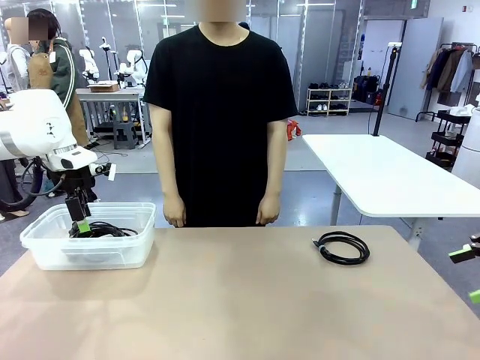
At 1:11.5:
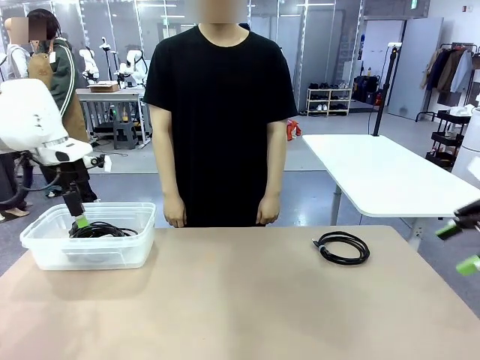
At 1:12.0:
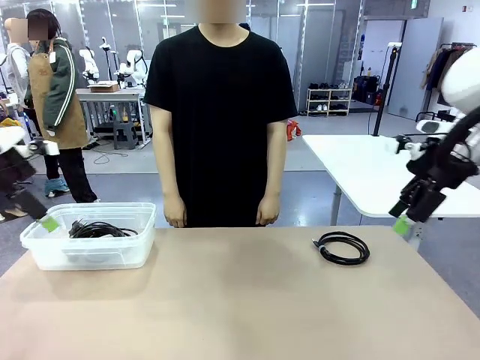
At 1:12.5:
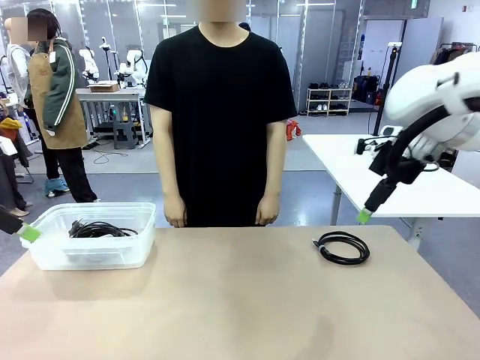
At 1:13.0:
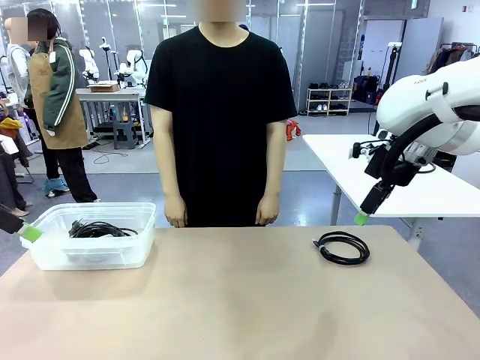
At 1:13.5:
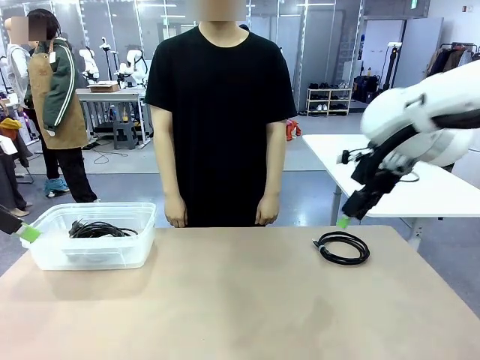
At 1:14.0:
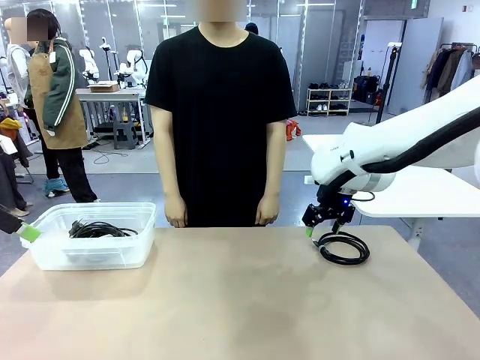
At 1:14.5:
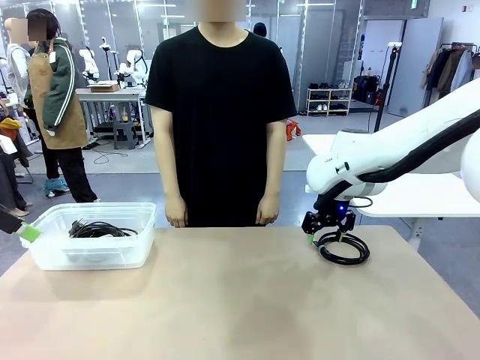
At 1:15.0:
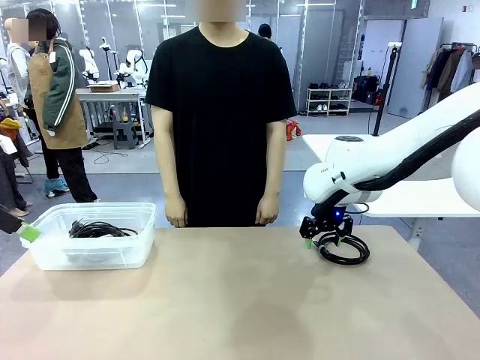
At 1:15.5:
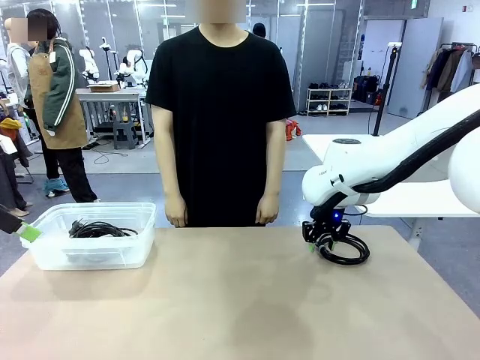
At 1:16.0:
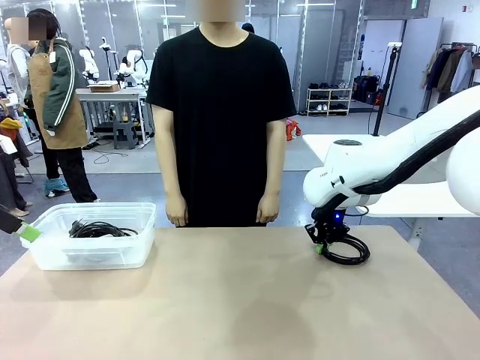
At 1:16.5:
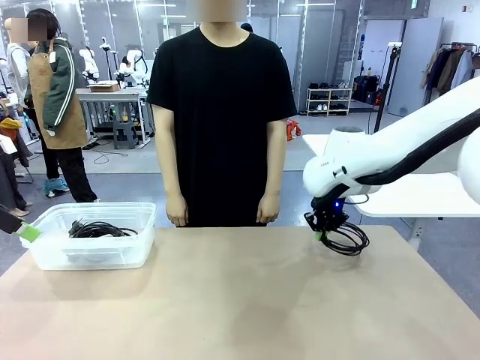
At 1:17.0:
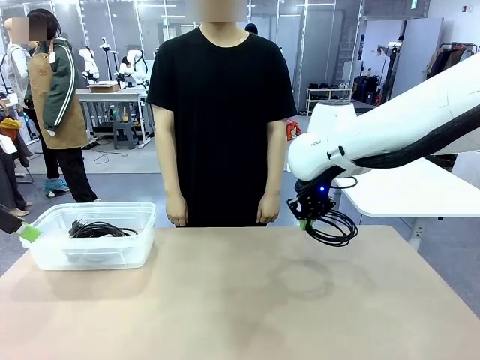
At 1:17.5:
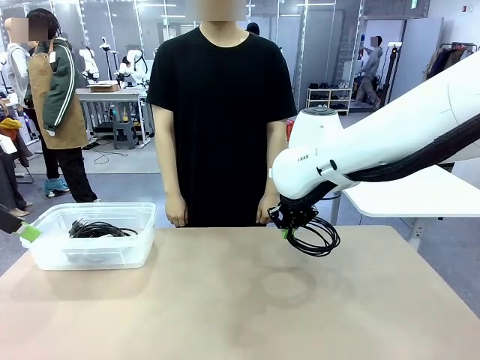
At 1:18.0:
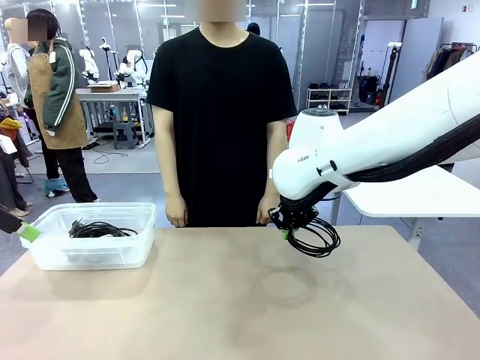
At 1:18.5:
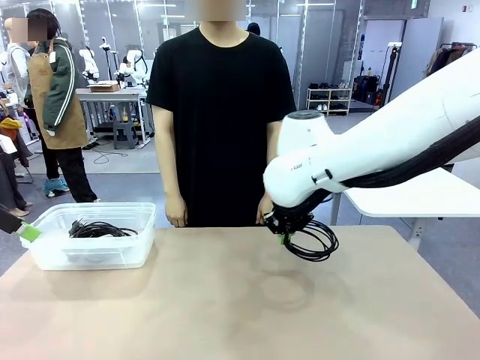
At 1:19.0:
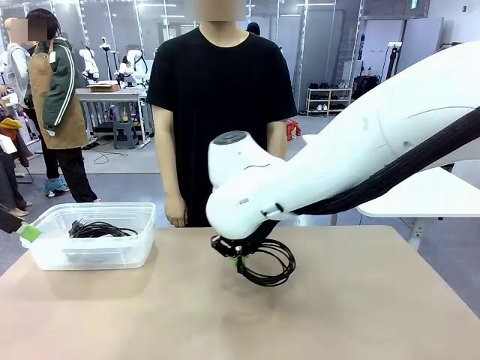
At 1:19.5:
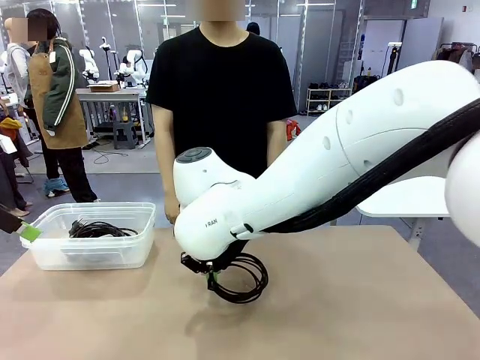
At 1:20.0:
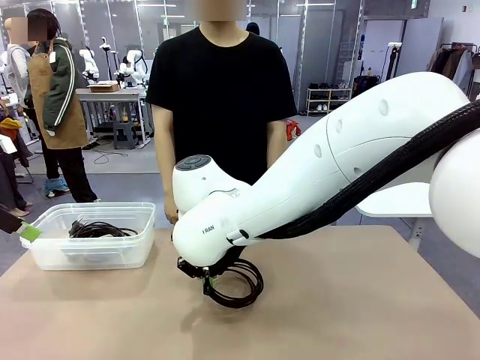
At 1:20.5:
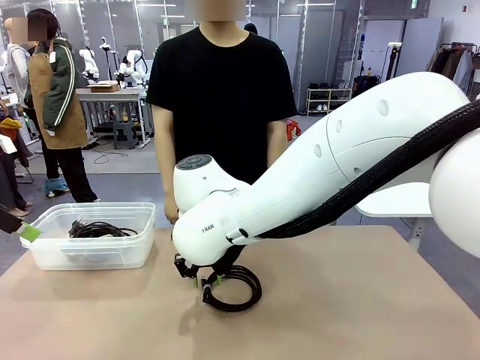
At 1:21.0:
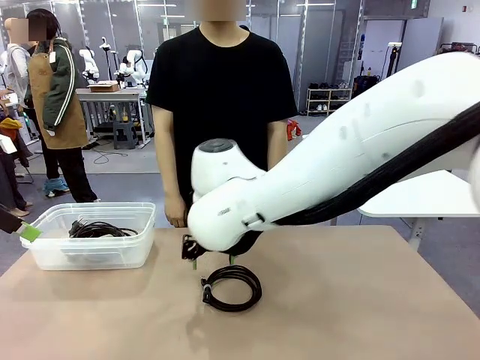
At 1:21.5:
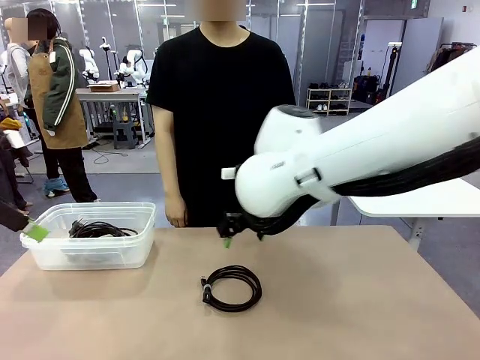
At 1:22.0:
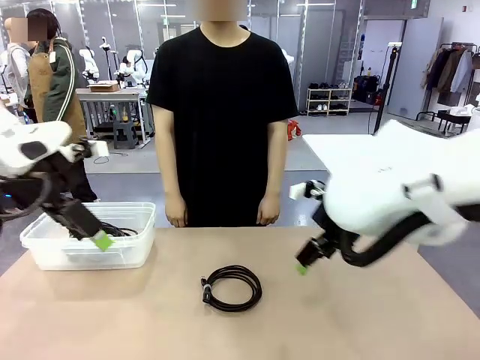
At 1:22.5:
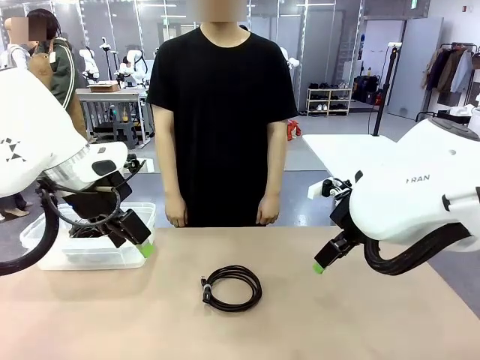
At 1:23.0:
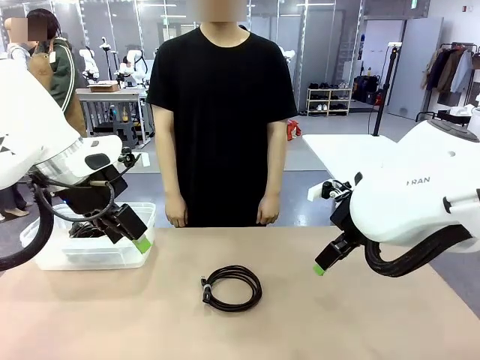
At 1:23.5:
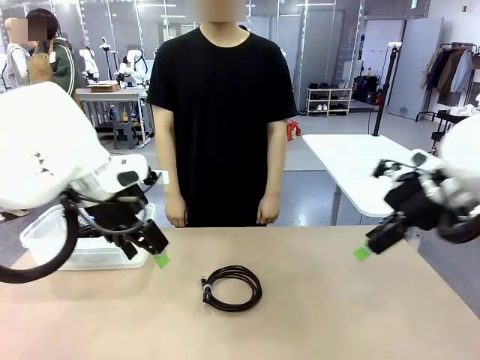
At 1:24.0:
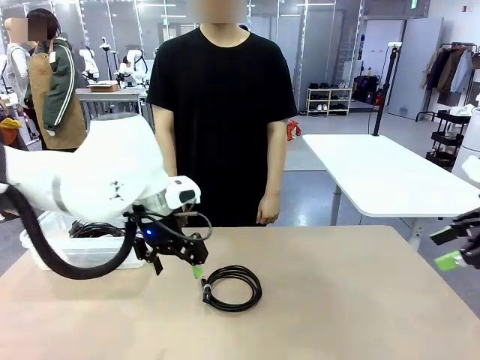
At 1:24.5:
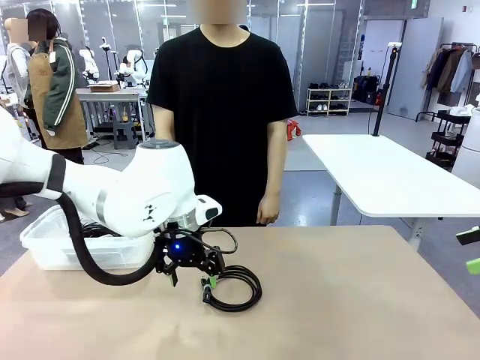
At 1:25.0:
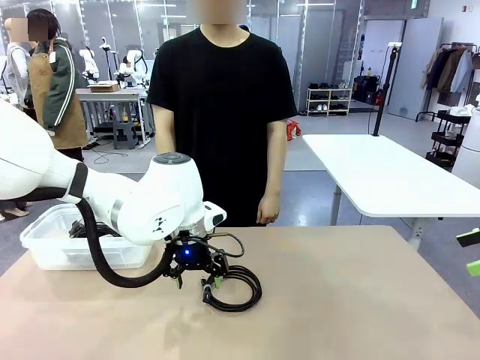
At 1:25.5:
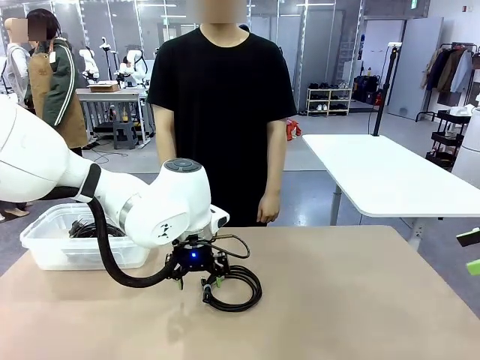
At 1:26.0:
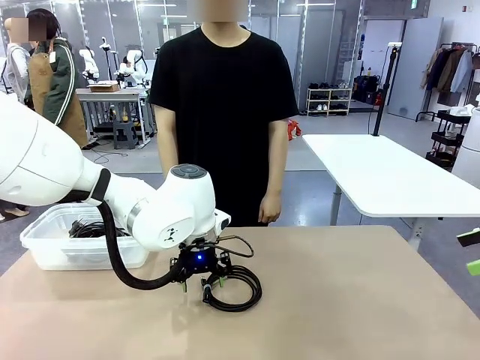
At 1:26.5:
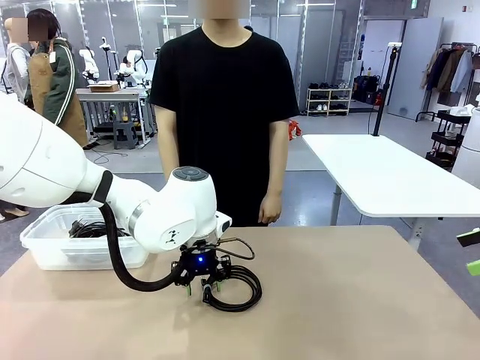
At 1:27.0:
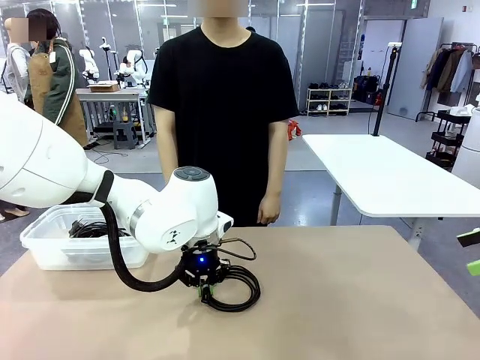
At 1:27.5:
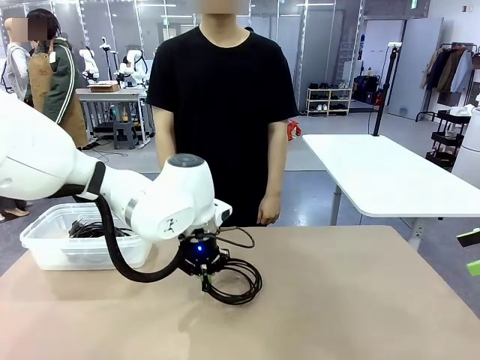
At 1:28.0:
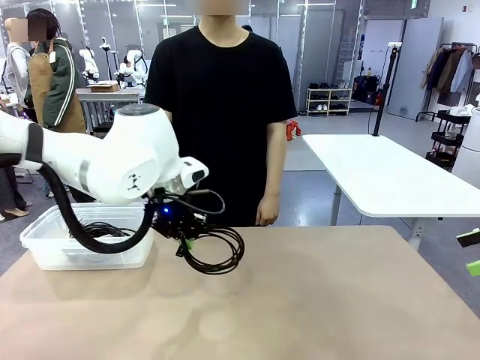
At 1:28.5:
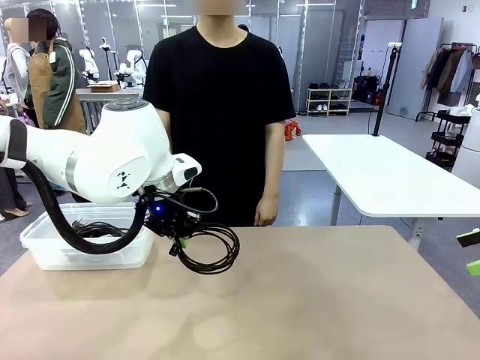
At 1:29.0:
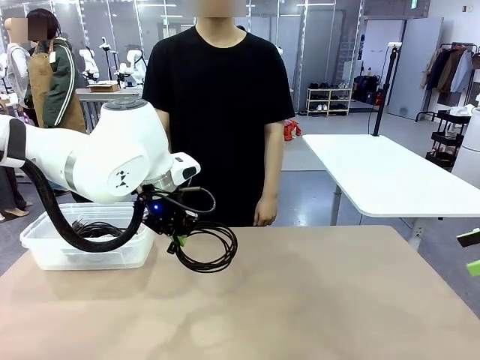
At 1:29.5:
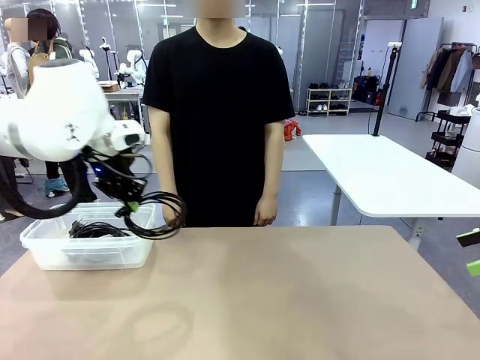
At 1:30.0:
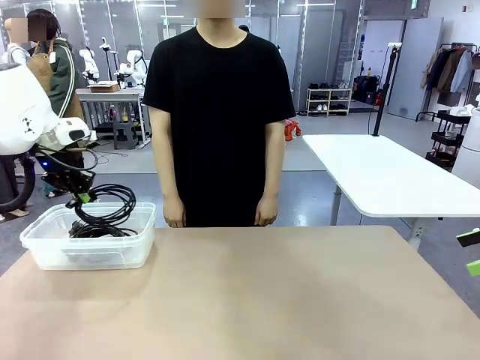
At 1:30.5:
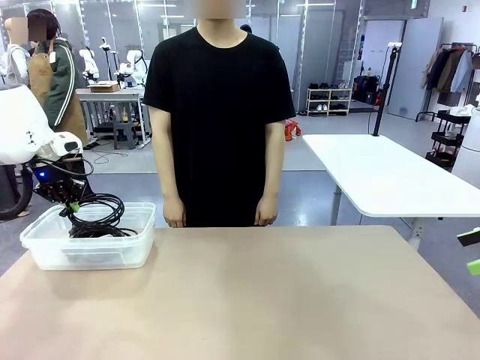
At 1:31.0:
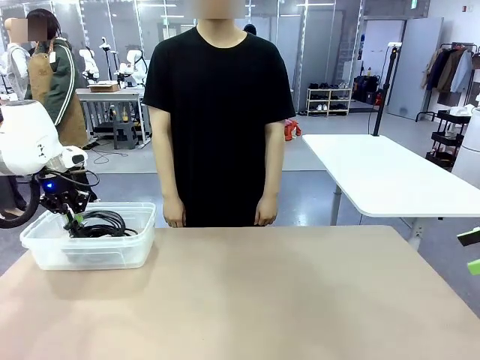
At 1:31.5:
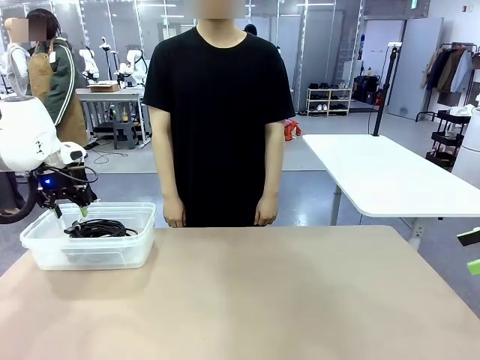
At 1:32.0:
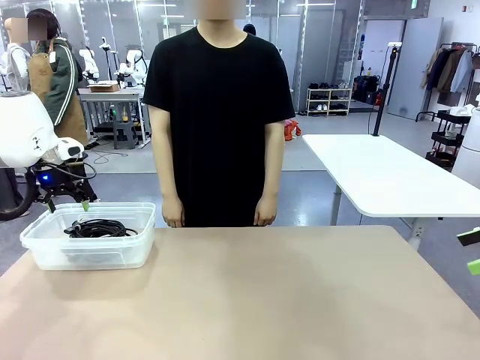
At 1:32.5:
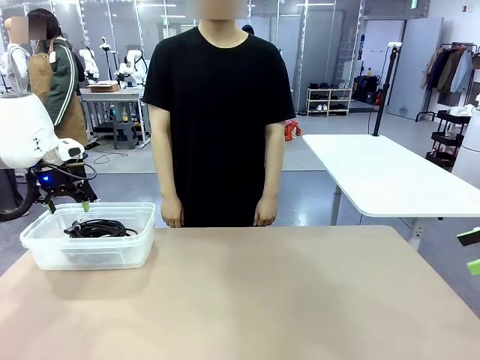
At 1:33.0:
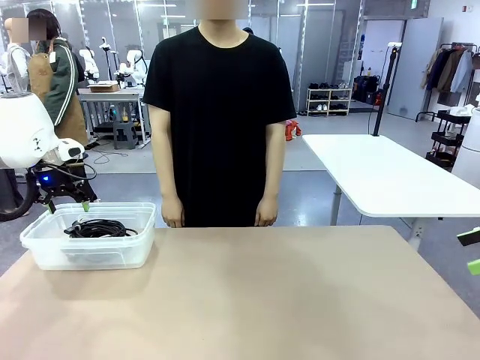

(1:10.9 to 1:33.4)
Task: Organize and store the cables.
Robot: Place the USB Extension Cable into the Organizing box.
